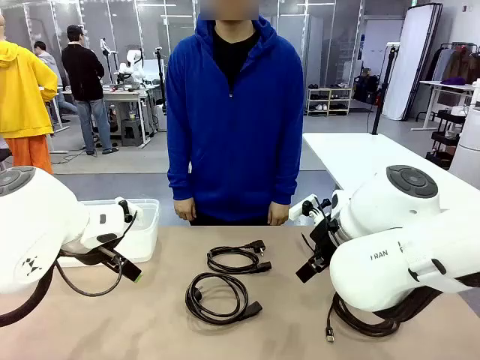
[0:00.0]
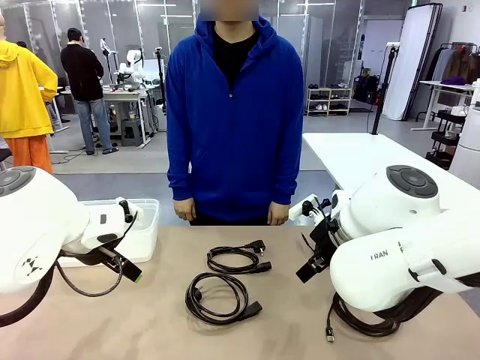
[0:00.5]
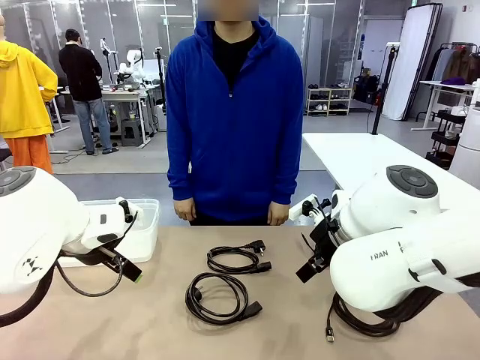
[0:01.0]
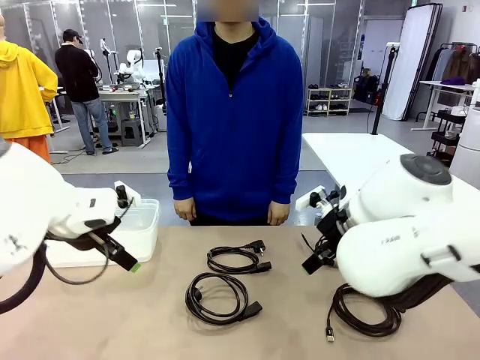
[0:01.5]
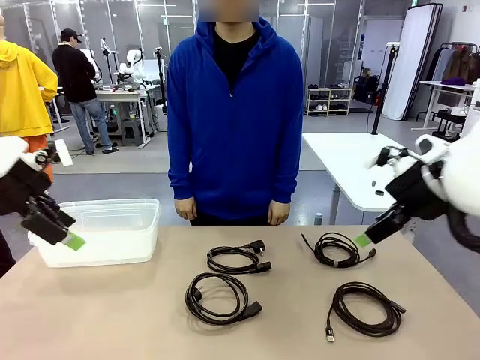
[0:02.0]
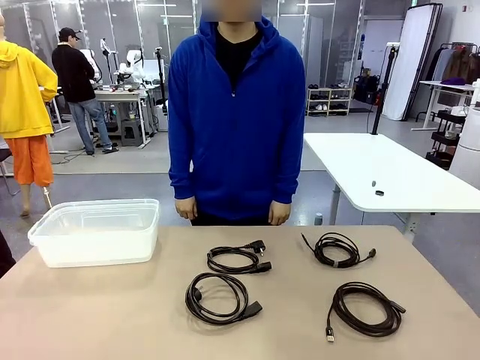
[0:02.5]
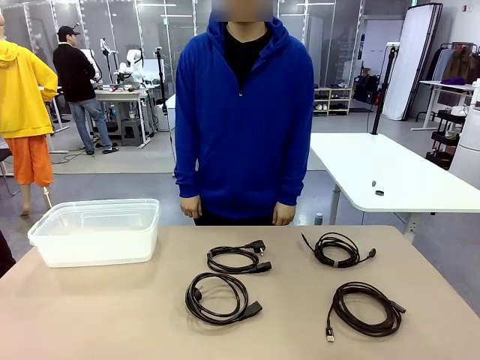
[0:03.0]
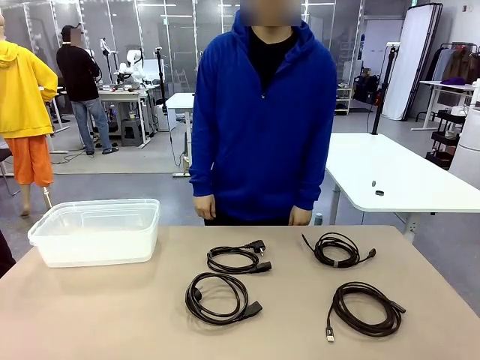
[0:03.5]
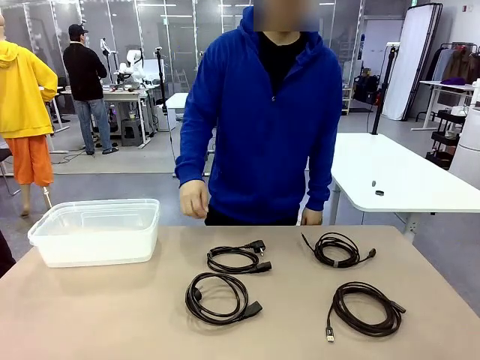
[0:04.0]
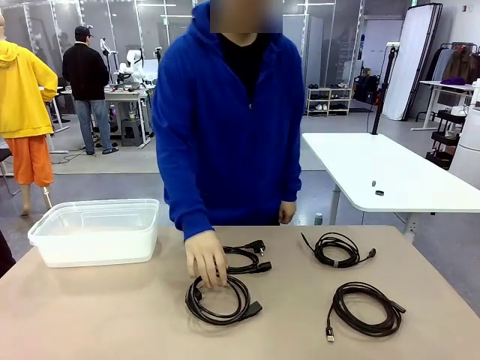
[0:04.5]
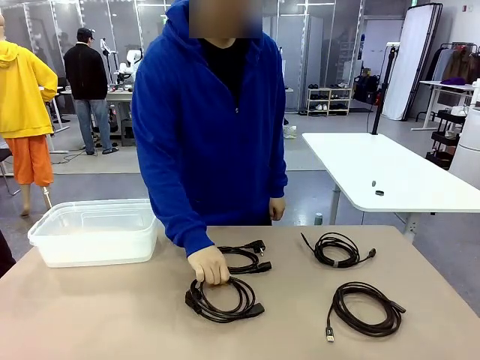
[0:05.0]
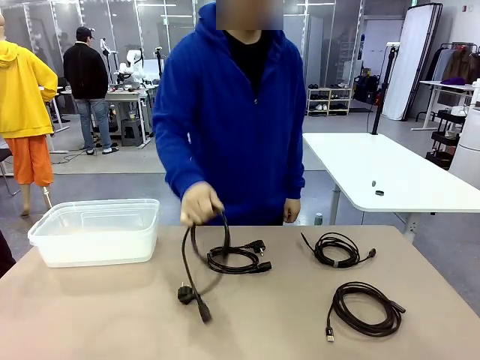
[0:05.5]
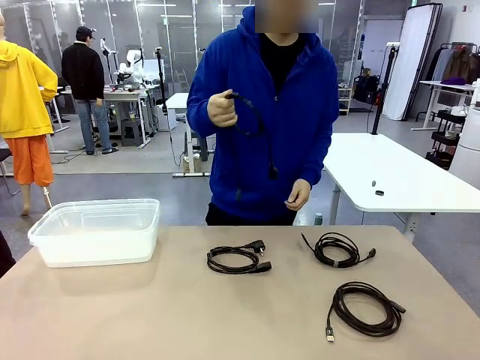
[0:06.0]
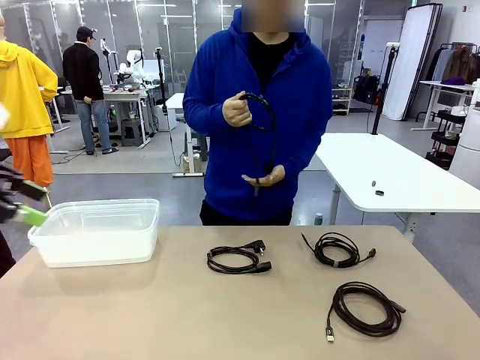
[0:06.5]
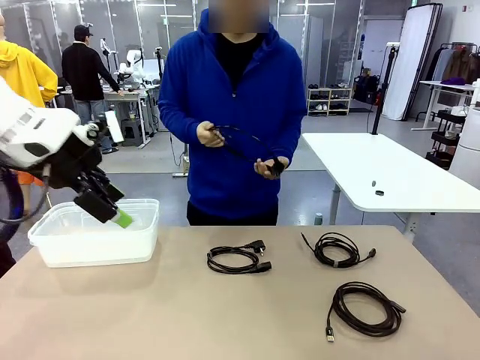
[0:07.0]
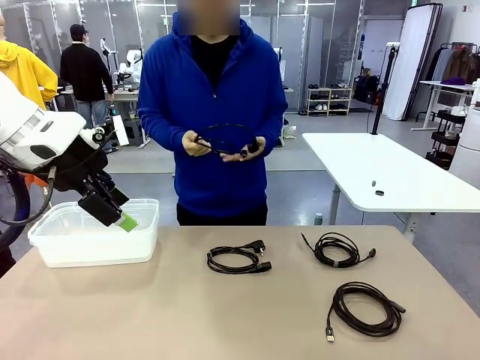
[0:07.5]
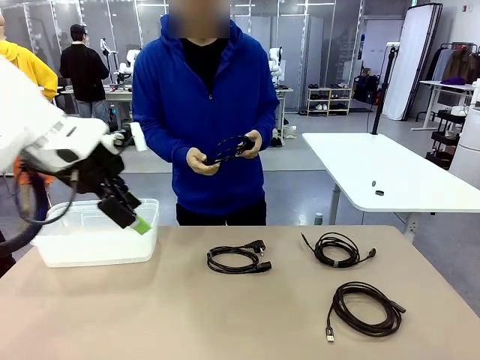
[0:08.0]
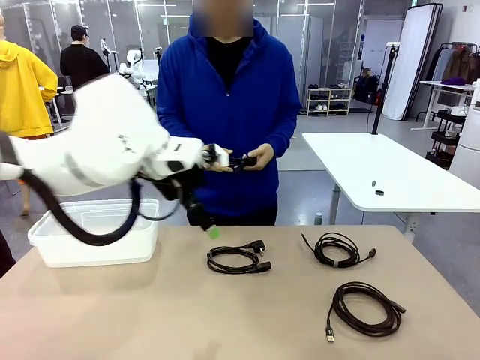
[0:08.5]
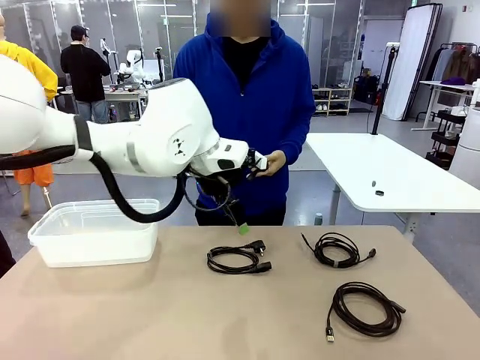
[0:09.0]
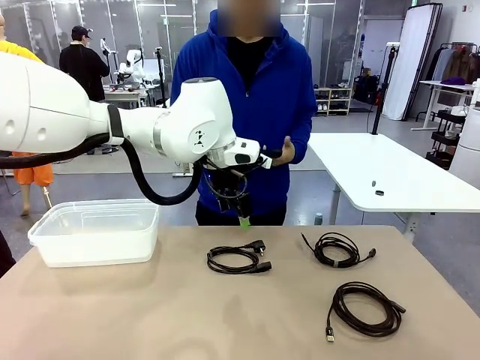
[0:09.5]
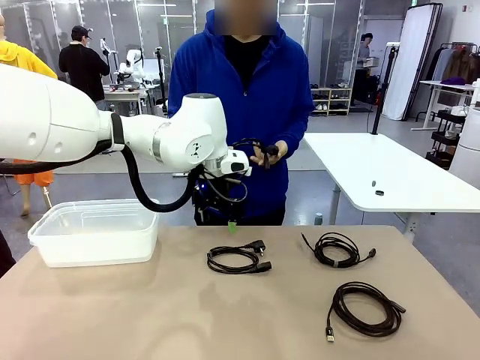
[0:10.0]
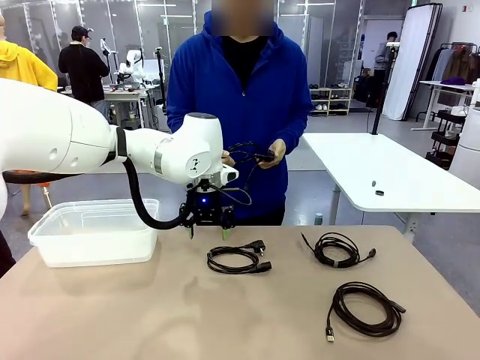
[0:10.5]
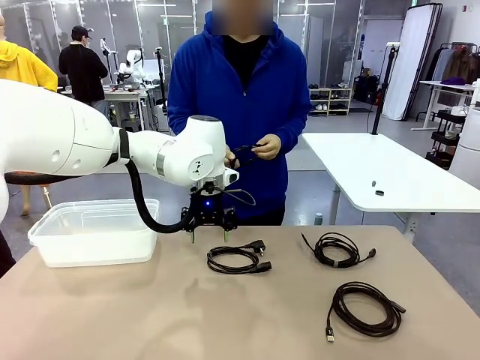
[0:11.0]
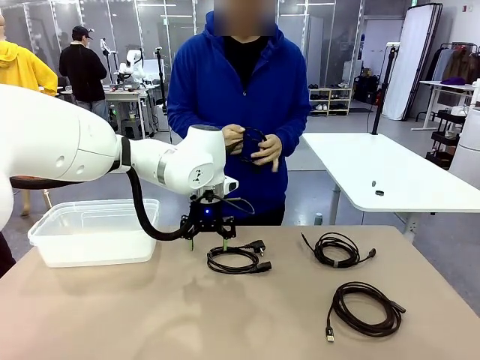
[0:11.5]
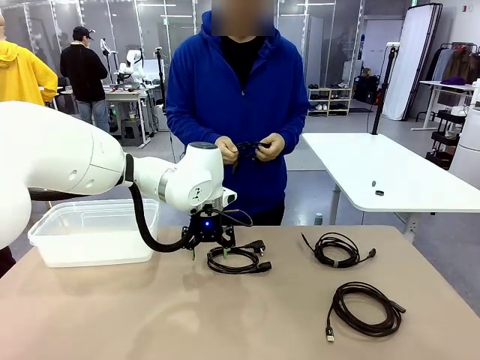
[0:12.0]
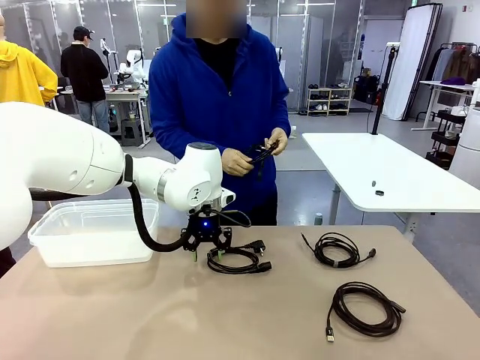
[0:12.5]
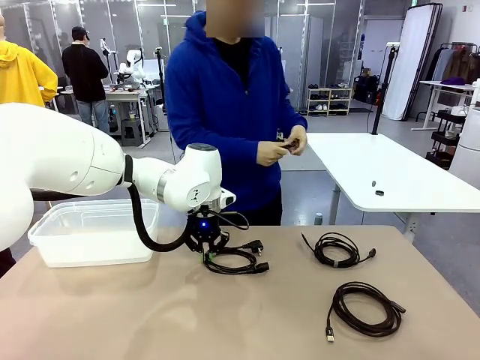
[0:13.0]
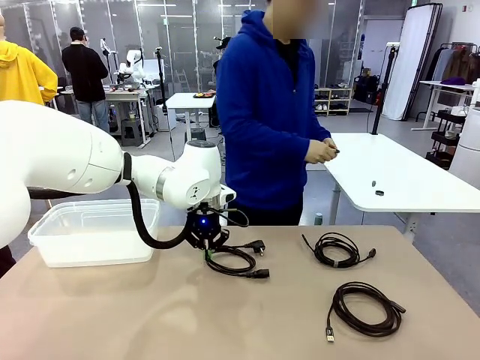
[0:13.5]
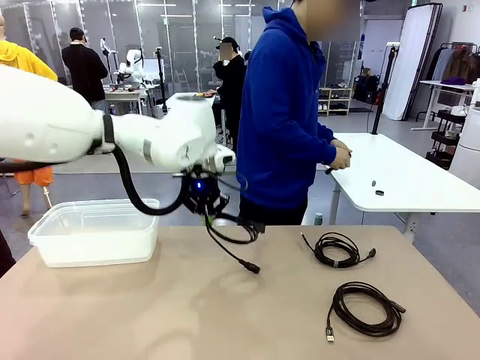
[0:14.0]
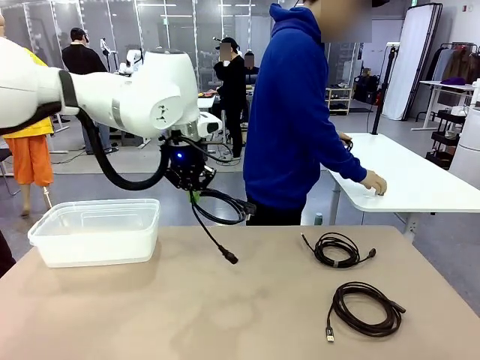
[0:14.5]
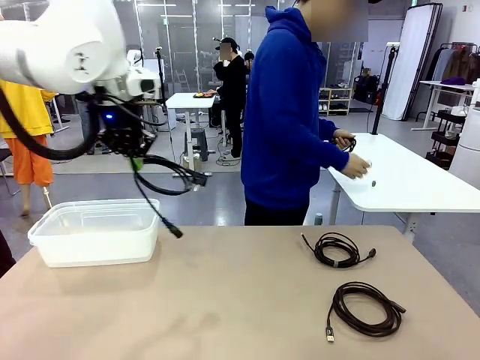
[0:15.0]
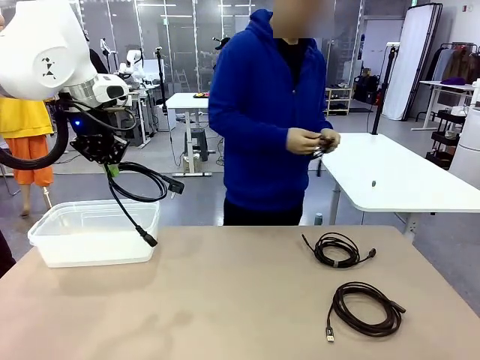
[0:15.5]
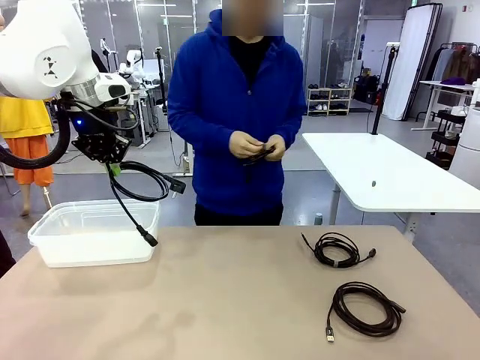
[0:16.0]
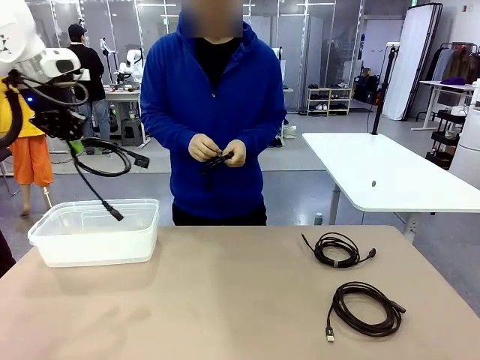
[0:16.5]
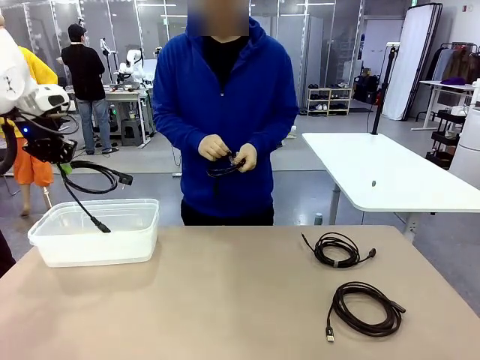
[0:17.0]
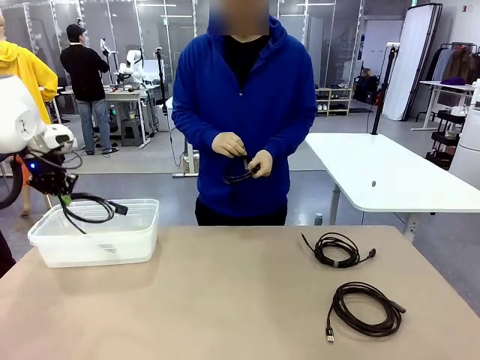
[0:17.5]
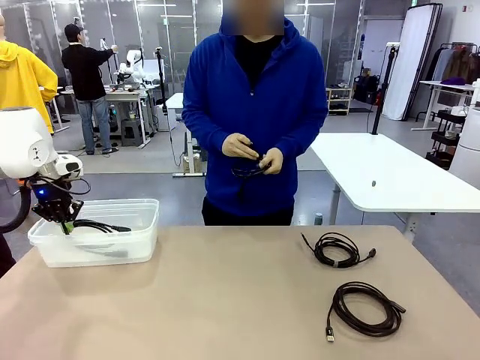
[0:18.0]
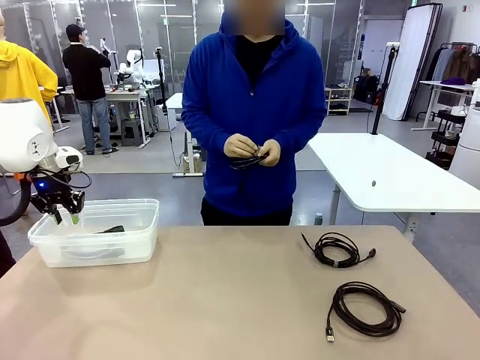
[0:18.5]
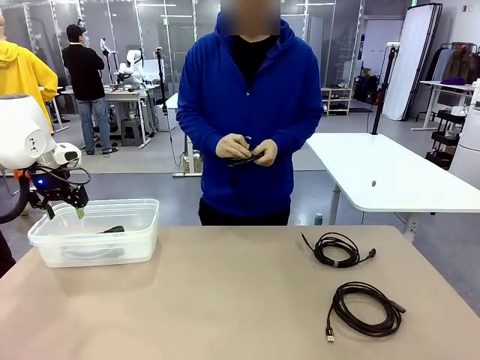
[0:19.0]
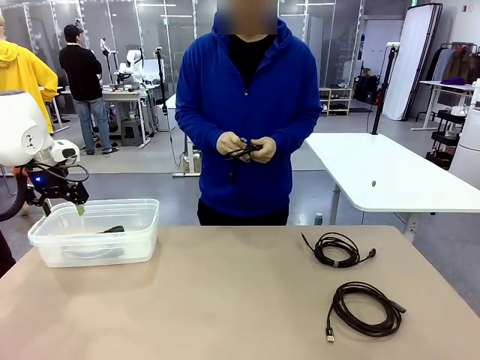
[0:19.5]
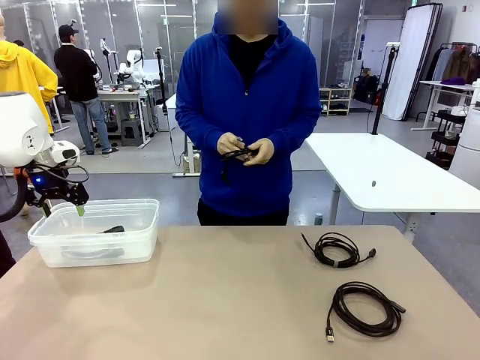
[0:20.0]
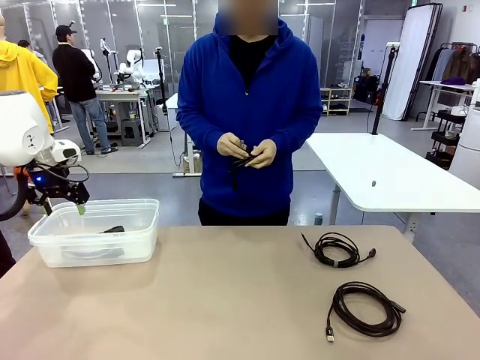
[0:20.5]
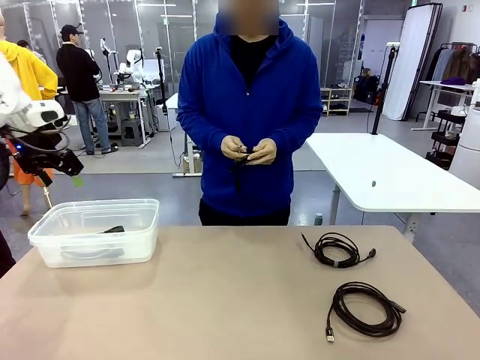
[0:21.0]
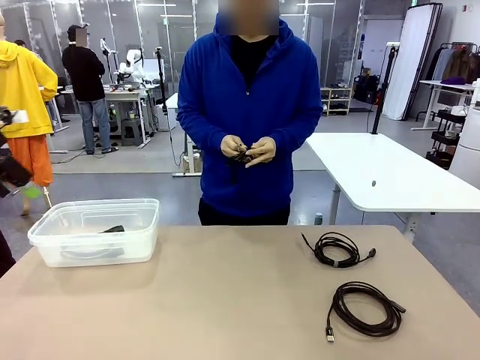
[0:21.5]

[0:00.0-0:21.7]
Task: Organize and store the cables.
Robot: Place the Power Cable into the Organizing box.
Person: Tie one Power Cable with a Reusable Cable Tie.
